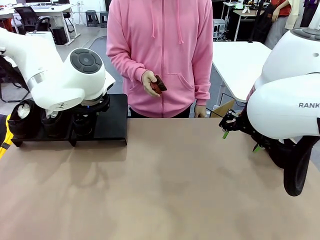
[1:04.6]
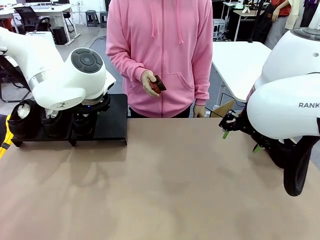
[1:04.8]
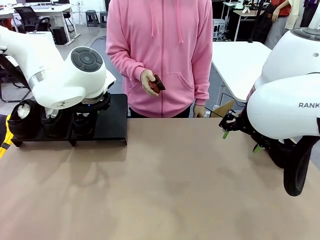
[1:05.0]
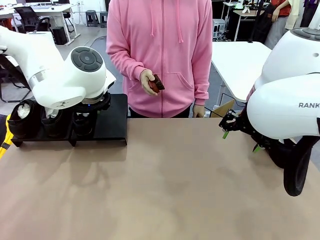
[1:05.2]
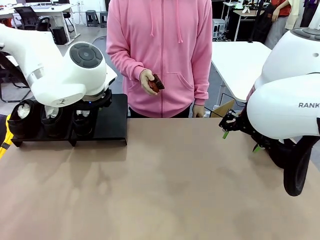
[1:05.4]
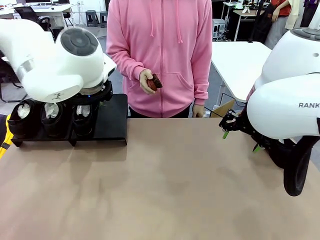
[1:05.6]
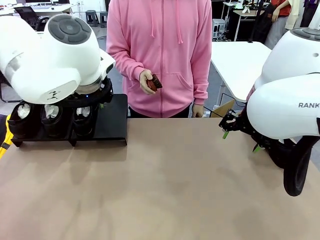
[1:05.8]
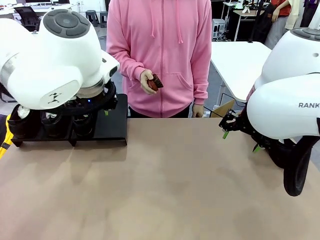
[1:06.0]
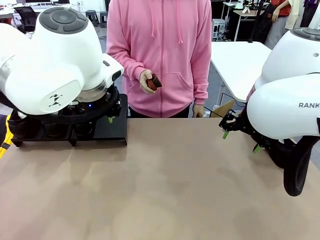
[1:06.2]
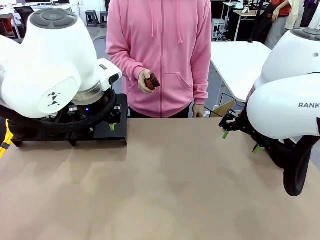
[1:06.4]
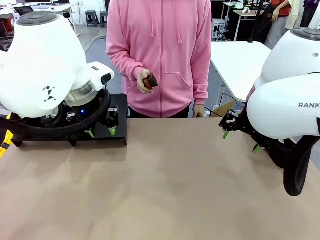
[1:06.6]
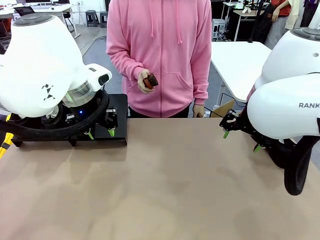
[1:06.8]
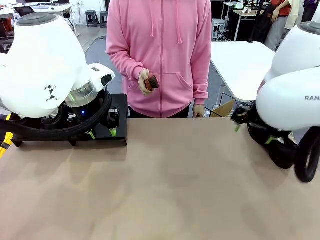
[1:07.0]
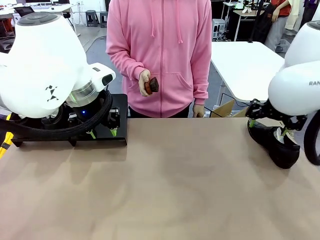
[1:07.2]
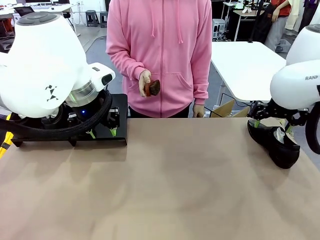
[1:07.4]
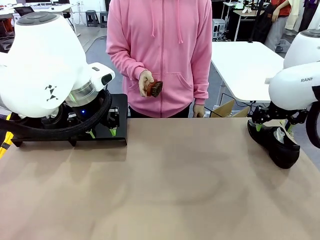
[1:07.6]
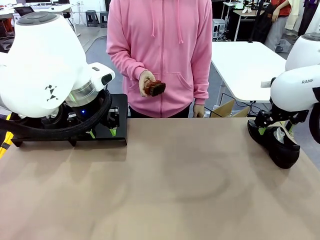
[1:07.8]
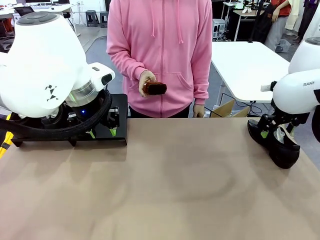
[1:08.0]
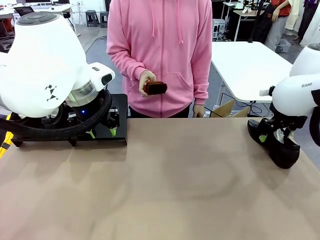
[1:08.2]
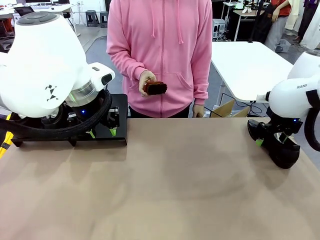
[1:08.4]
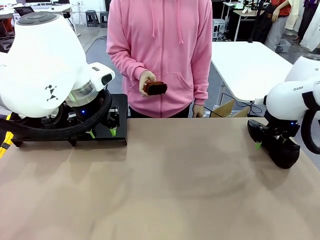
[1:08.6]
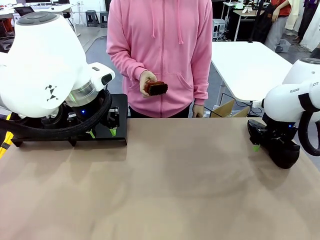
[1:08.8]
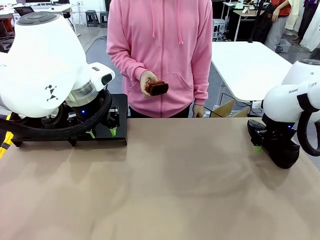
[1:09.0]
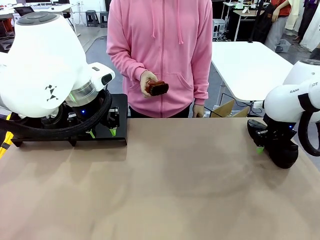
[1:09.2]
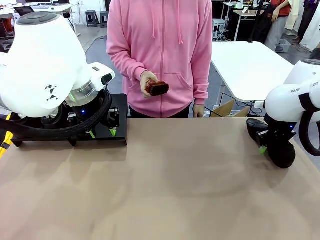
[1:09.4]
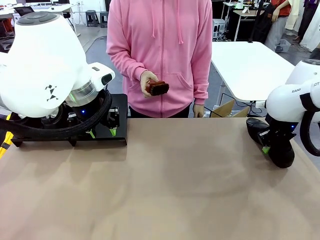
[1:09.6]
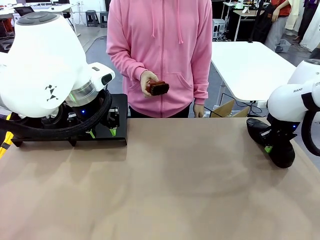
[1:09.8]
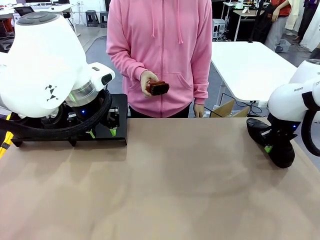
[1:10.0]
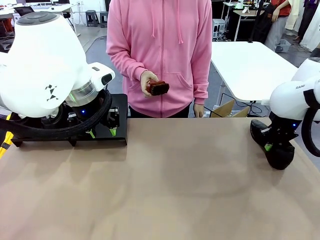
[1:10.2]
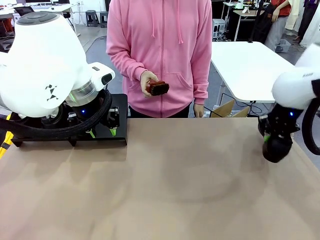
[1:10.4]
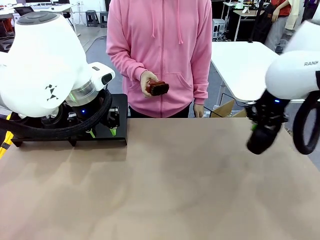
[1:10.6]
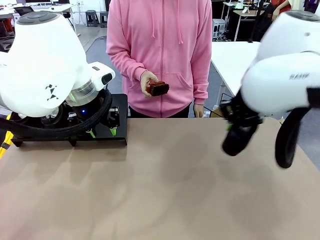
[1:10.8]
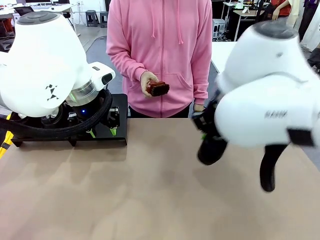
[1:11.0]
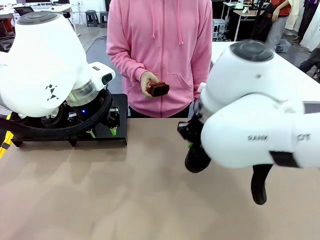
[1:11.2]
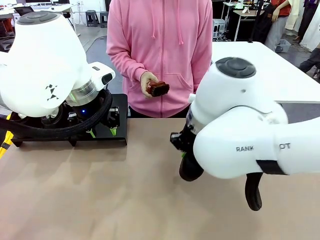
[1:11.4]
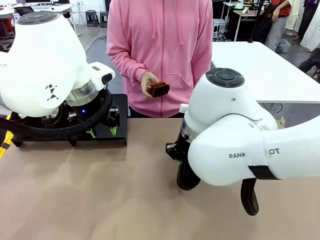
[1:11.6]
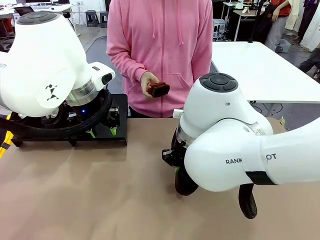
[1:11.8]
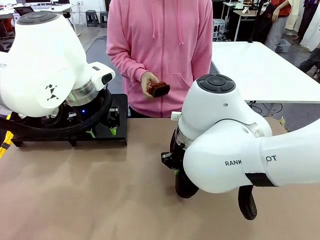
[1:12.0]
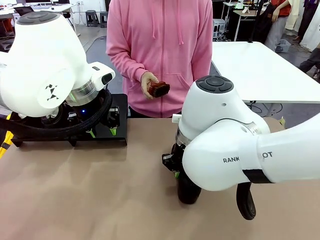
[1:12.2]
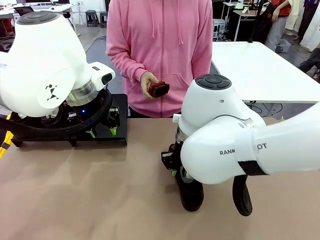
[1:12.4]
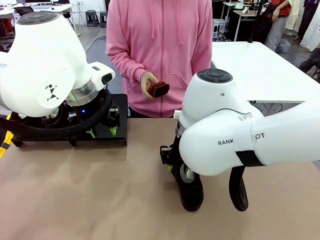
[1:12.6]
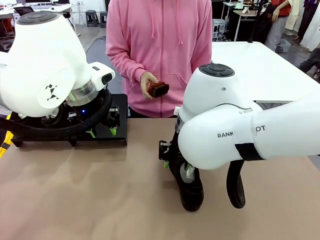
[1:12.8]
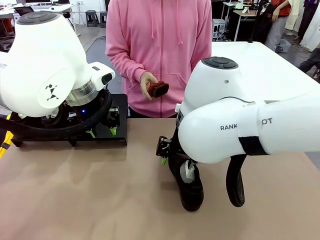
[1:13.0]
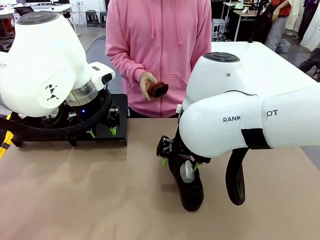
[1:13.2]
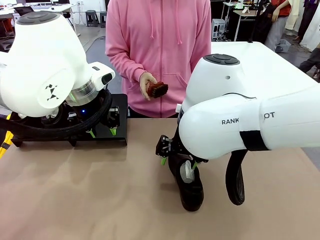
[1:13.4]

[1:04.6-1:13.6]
Task: Organize the shoes by placing them on the stand.
Robot: Pick up one Shoe and place it in the middle of the table.

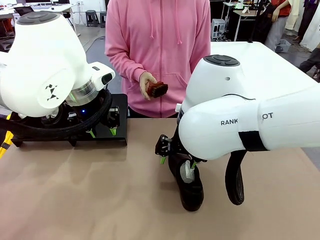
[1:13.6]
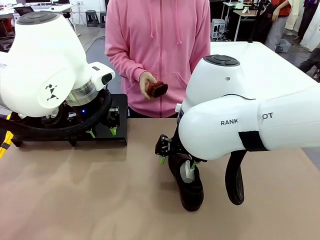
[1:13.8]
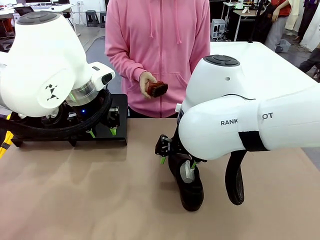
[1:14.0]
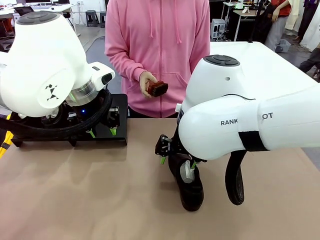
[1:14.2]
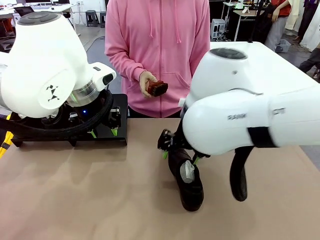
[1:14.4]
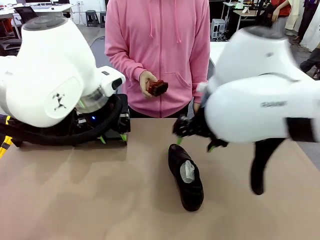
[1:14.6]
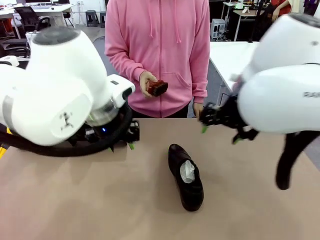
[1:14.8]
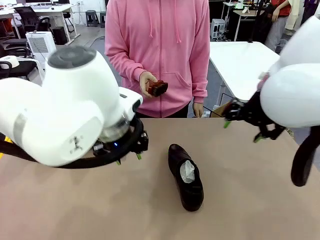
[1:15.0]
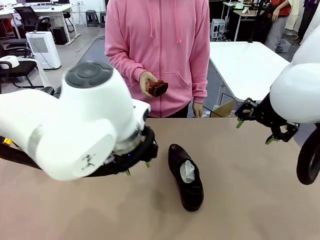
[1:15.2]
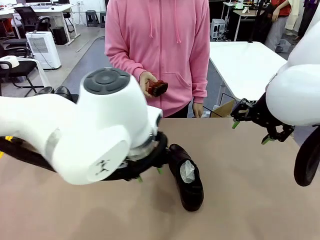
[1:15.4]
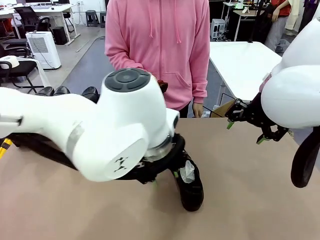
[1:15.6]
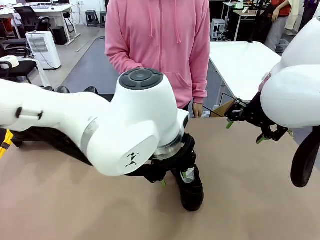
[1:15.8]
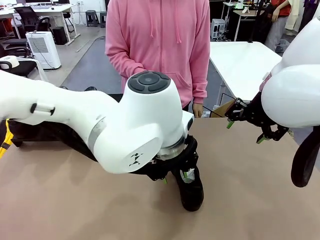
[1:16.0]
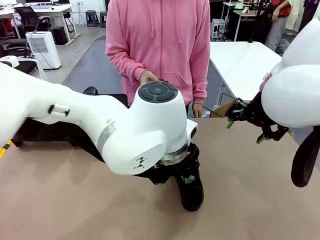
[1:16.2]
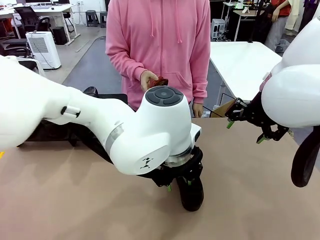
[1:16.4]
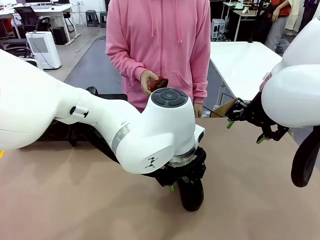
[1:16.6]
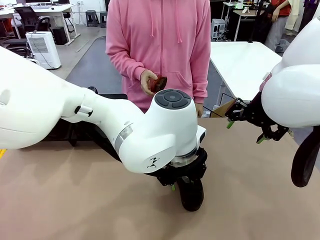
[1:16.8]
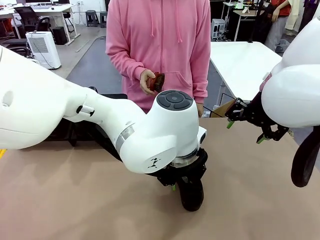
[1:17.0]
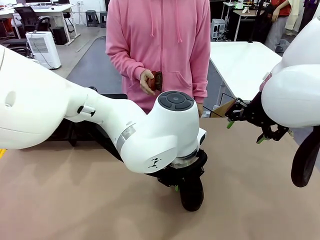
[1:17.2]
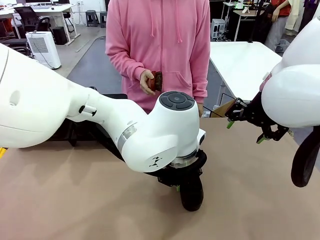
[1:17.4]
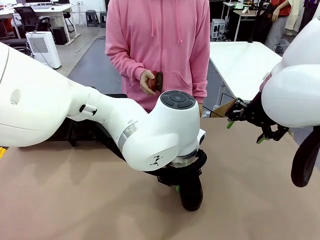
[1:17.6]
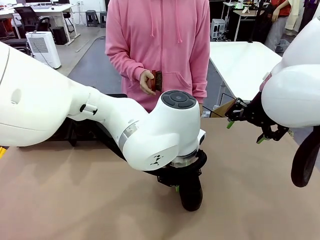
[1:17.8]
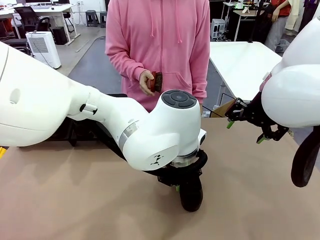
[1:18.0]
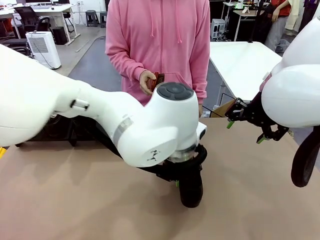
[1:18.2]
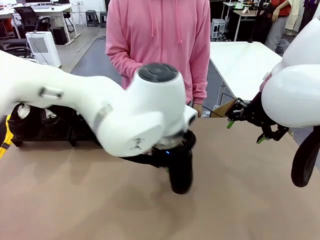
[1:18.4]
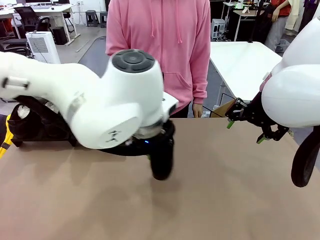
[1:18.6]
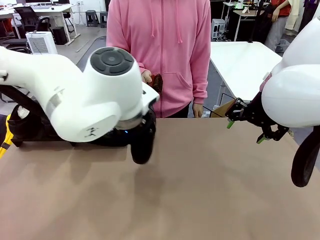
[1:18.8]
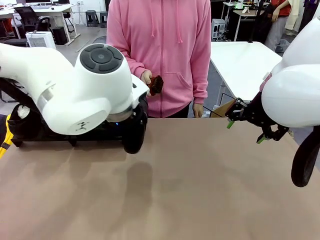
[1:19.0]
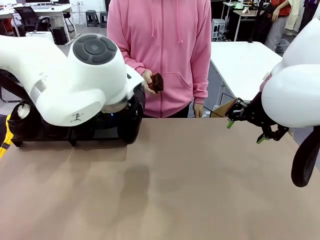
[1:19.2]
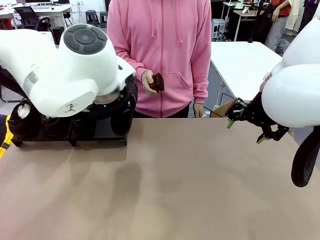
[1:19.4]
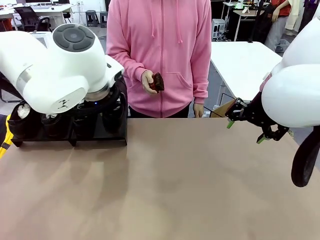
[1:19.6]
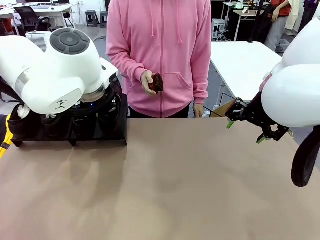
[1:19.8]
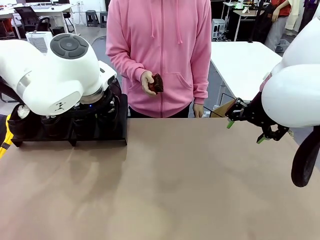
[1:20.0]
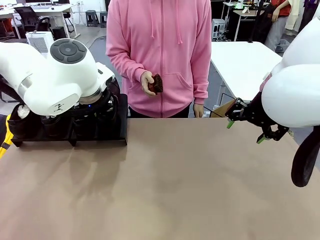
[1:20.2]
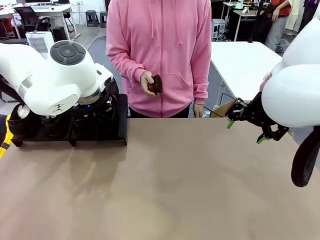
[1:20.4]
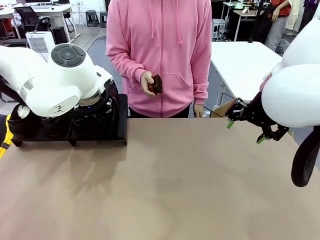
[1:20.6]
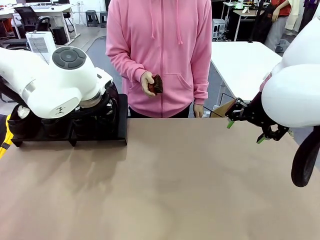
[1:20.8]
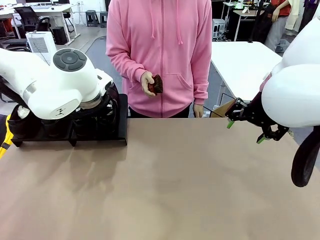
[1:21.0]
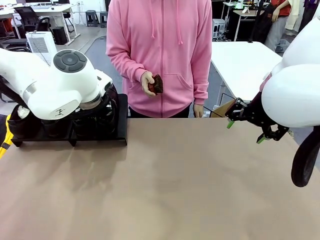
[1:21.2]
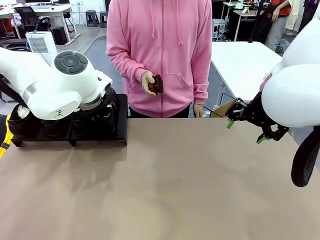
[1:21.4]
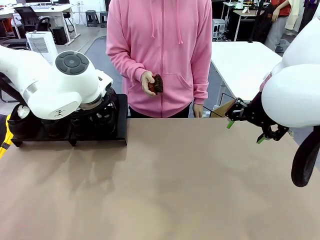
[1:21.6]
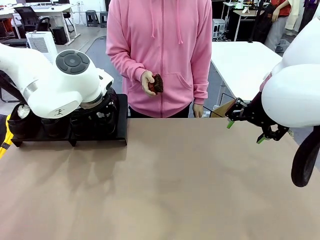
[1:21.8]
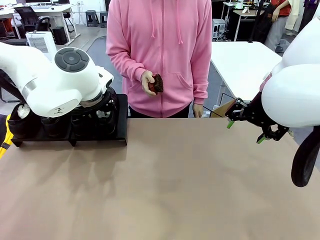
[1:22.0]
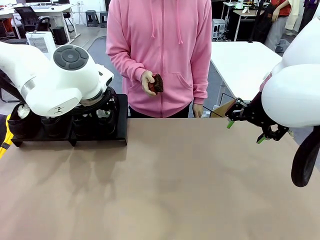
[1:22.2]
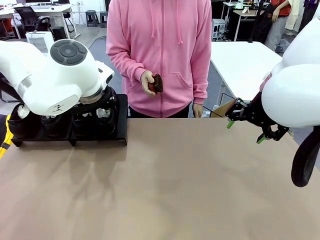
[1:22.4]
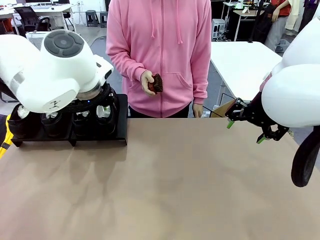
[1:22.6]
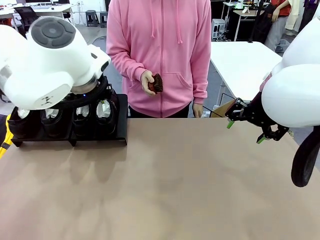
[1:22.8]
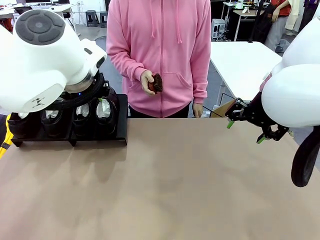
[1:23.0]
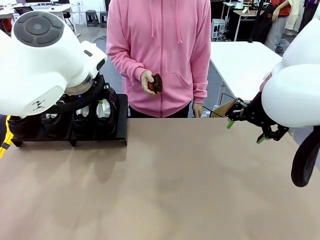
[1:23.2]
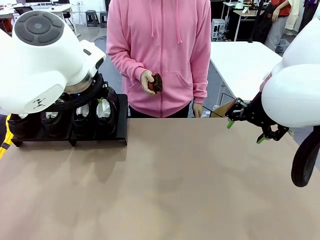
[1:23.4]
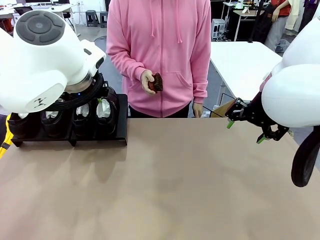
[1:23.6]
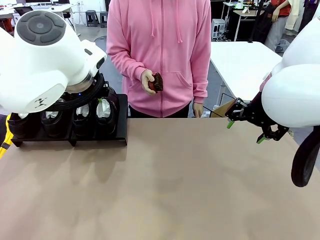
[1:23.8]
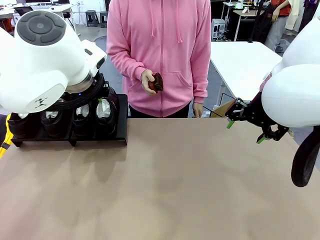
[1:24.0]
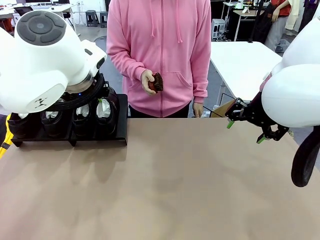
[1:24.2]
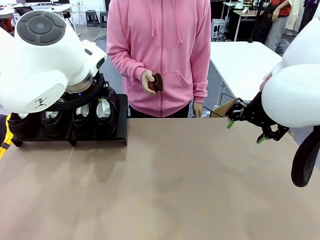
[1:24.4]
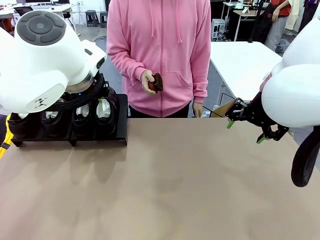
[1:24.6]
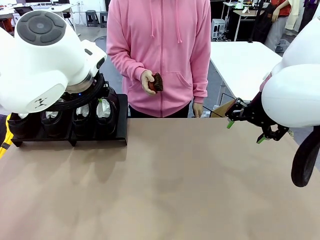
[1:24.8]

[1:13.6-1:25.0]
Robot: Place the Shoe from the middle of the table onto the Shoes Stand.
